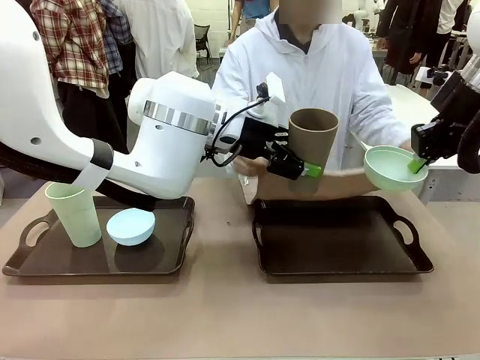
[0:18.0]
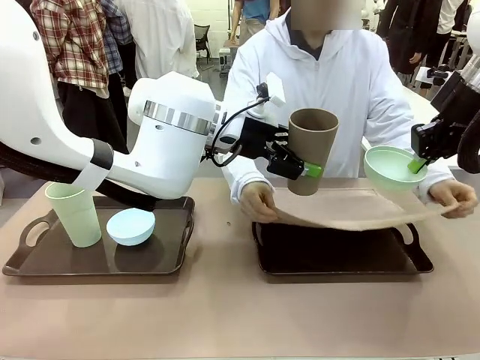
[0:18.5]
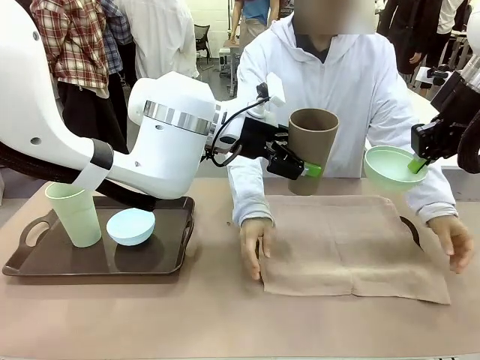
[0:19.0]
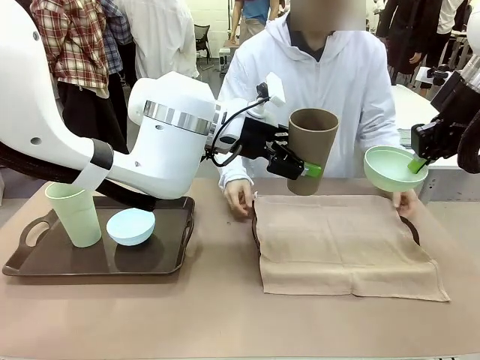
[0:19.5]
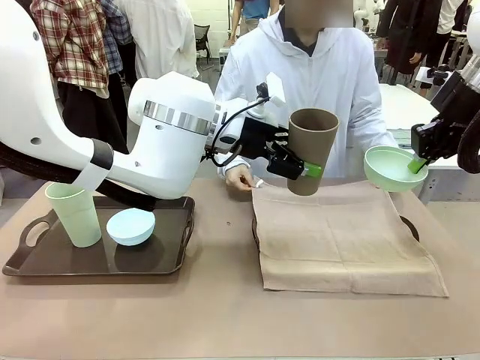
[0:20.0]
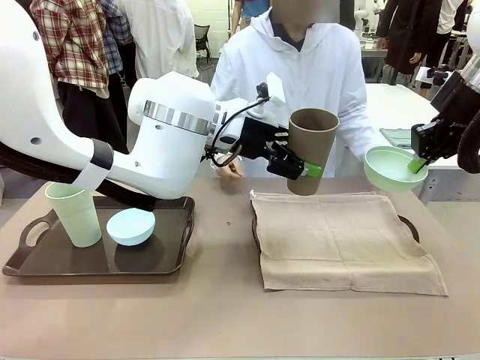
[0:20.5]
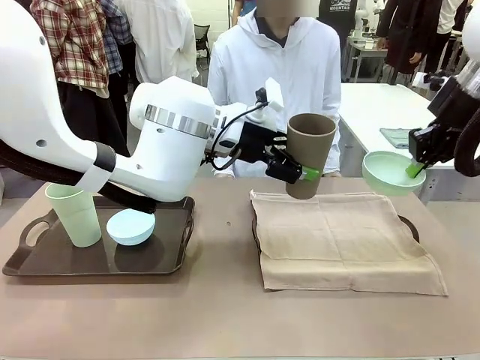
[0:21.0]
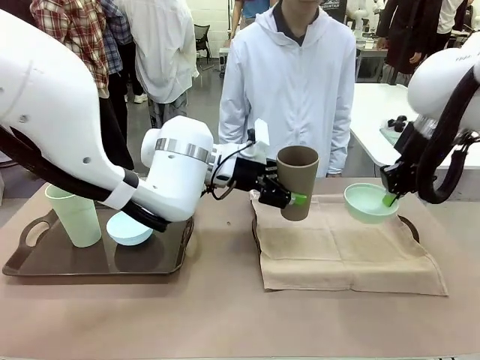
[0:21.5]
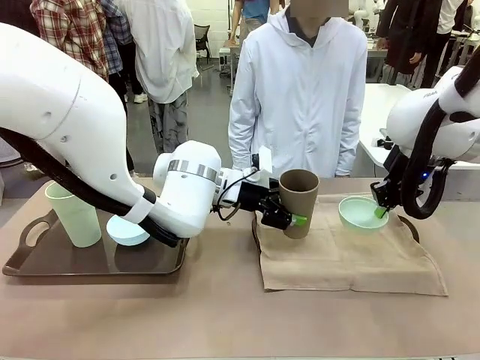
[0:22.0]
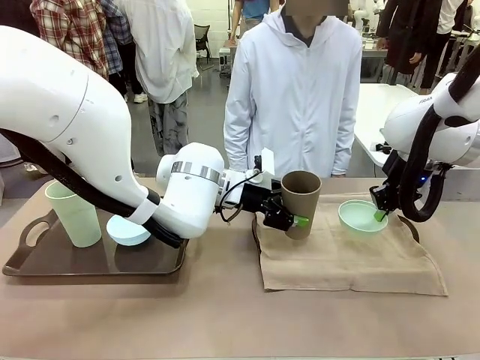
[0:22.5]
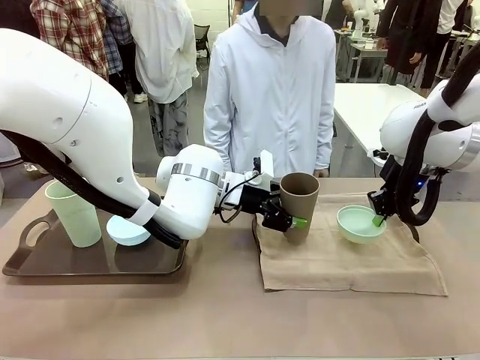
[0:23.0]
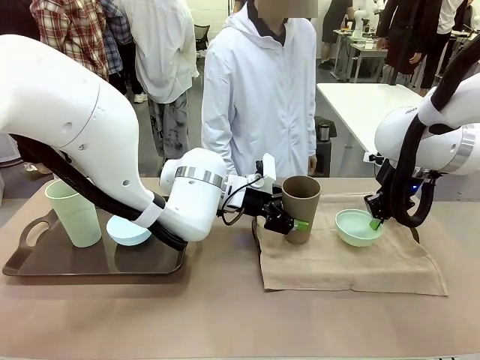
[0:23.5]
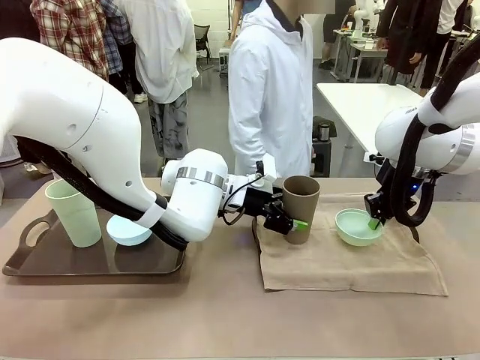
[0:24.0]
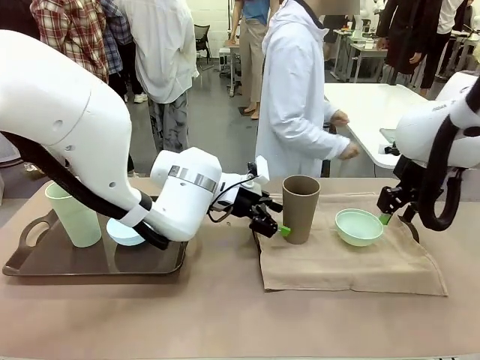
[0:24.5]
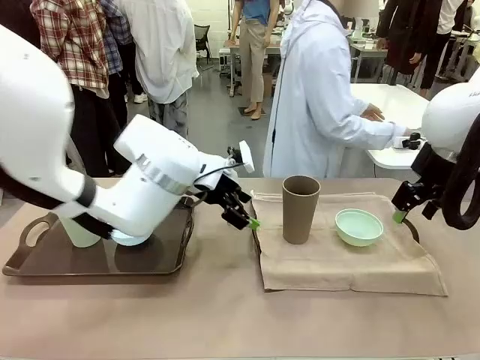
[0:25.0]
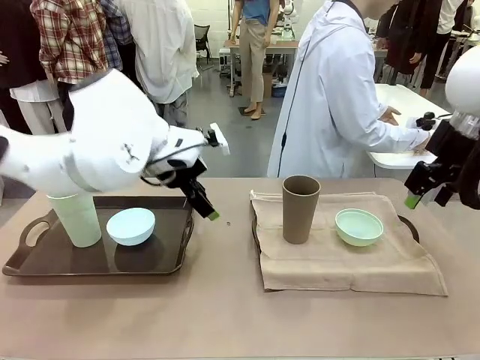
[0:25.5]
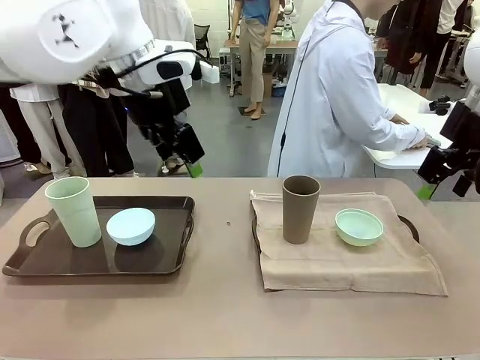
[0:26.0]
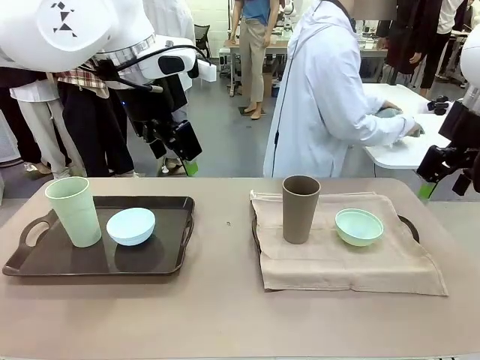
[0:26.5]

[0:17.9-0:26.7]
Robot: Place the Picnic Bowl and Reusable plastic cup back onto the Handle tray in front of the human's position.

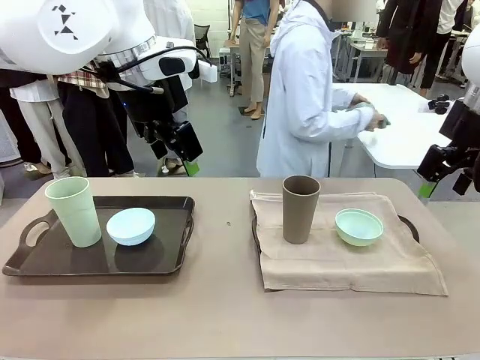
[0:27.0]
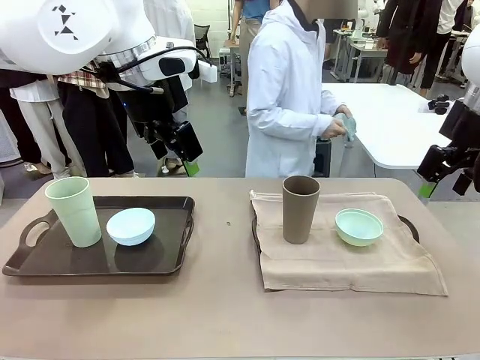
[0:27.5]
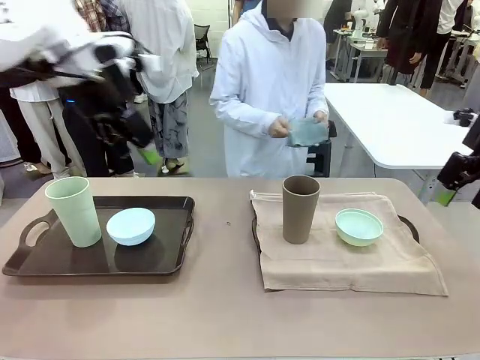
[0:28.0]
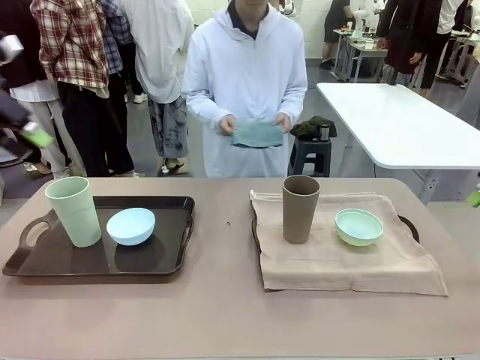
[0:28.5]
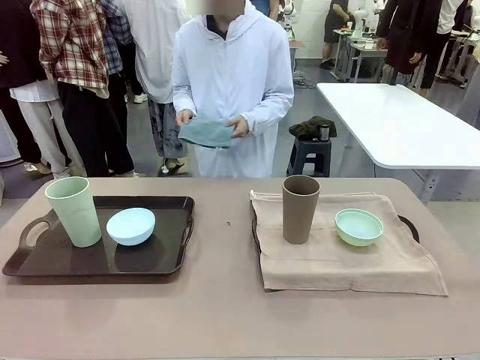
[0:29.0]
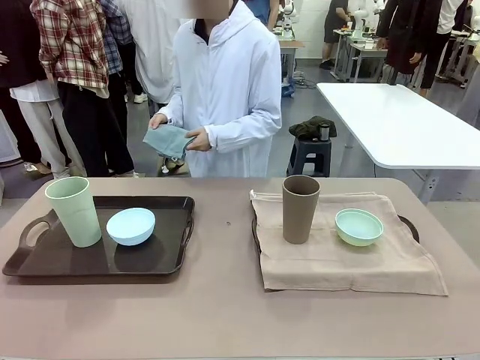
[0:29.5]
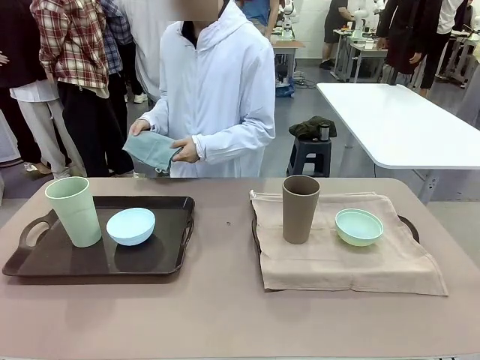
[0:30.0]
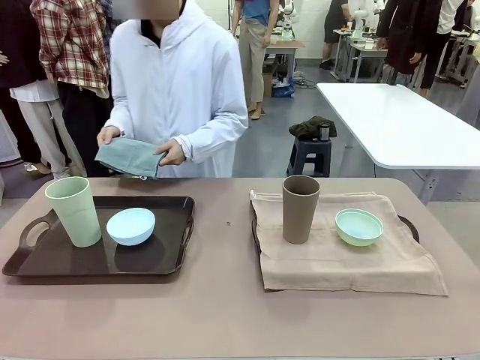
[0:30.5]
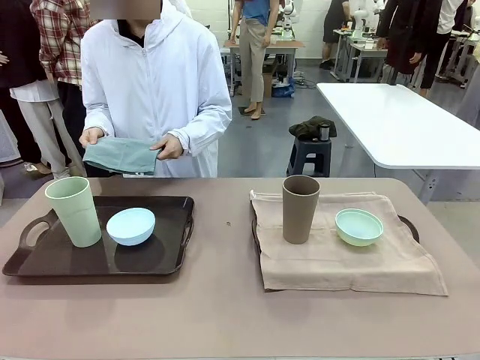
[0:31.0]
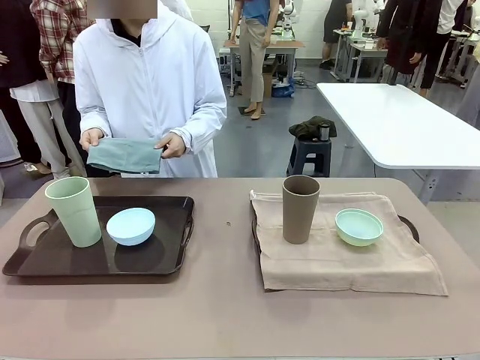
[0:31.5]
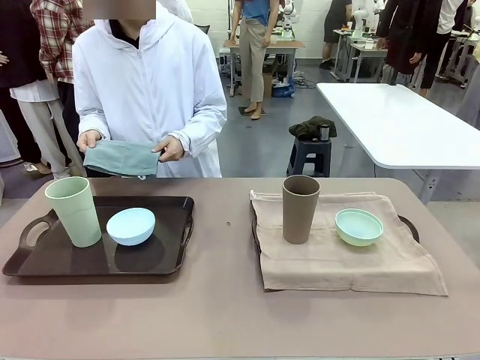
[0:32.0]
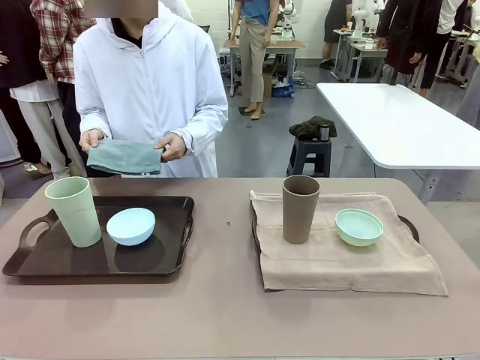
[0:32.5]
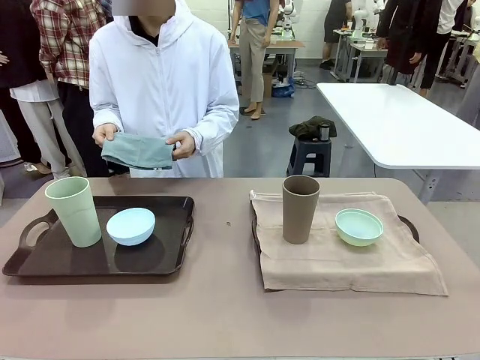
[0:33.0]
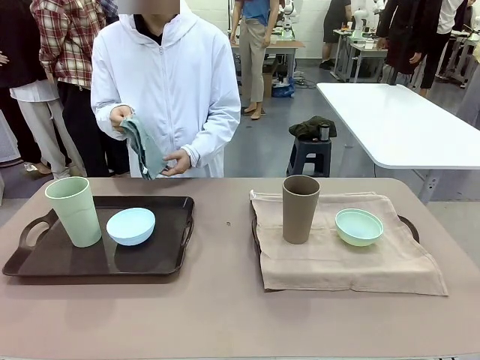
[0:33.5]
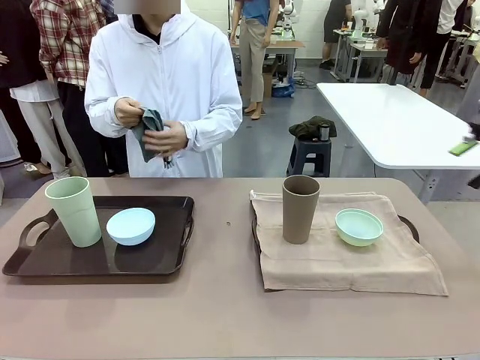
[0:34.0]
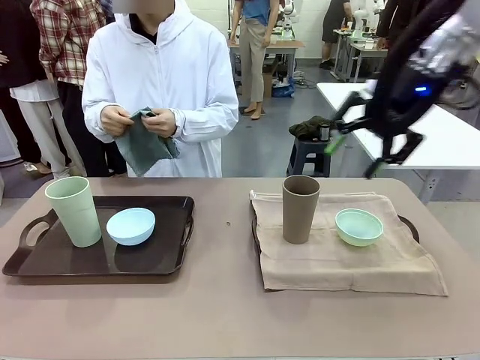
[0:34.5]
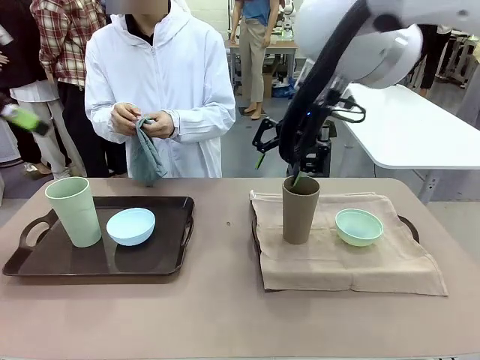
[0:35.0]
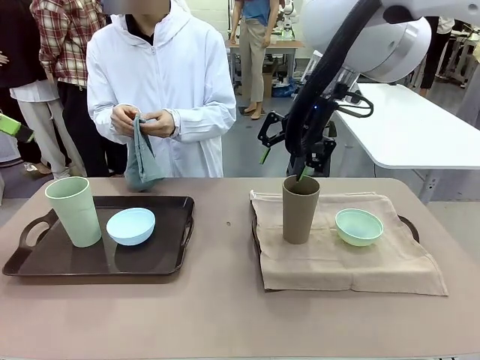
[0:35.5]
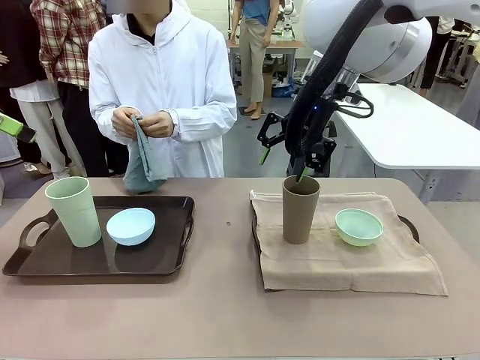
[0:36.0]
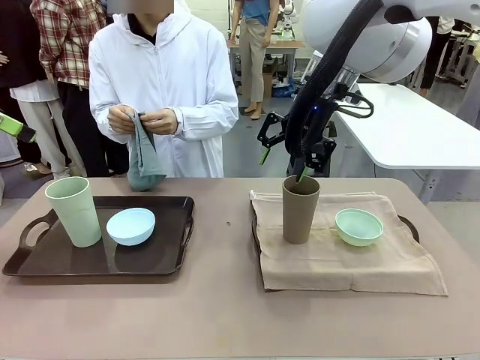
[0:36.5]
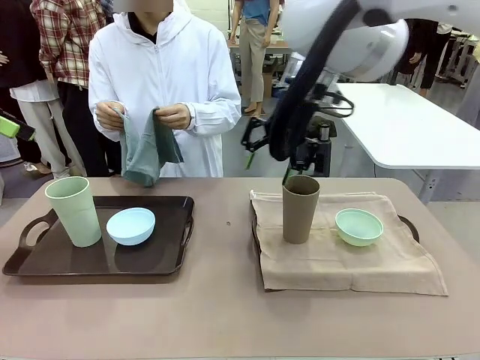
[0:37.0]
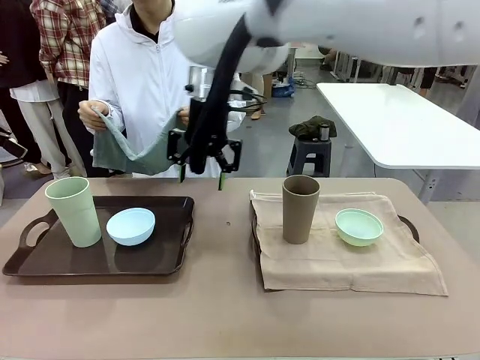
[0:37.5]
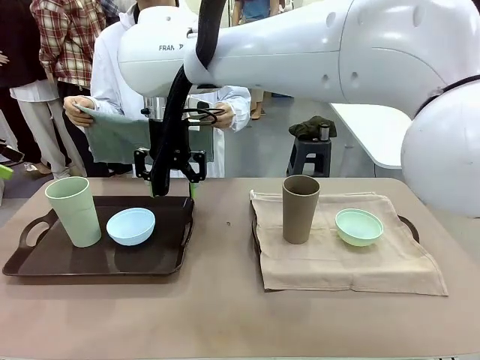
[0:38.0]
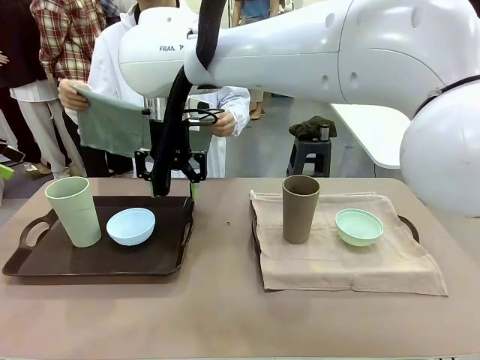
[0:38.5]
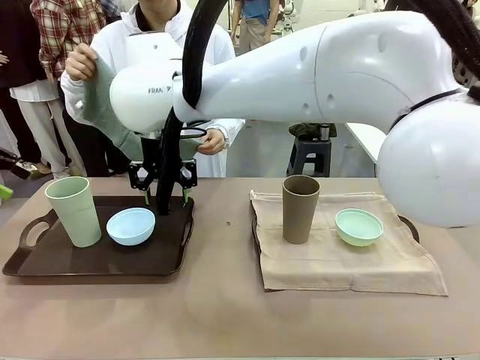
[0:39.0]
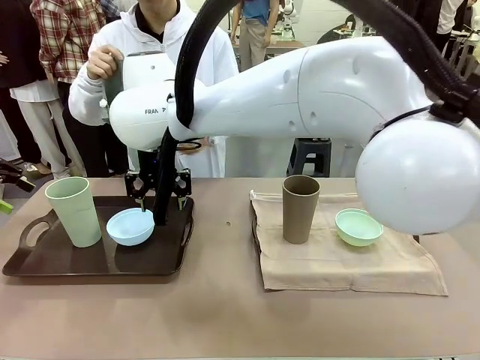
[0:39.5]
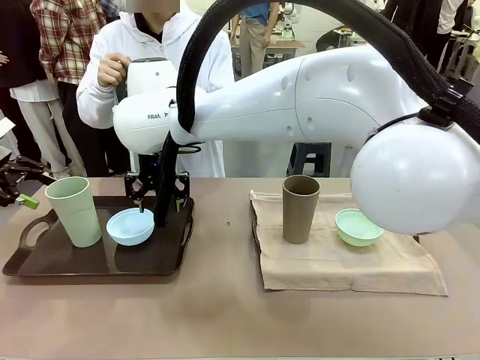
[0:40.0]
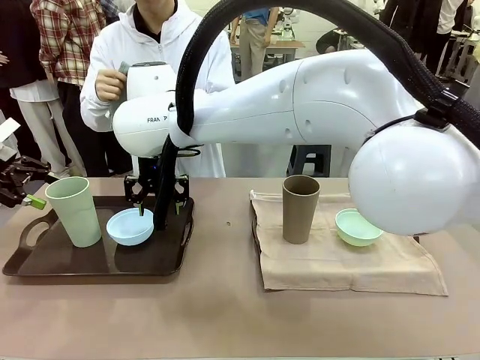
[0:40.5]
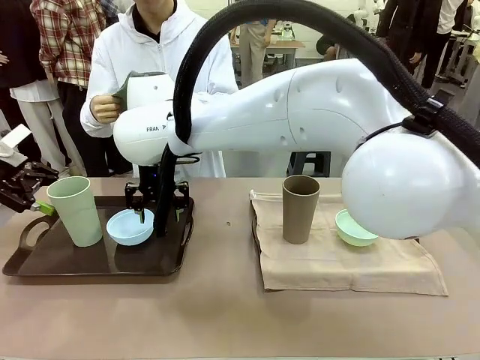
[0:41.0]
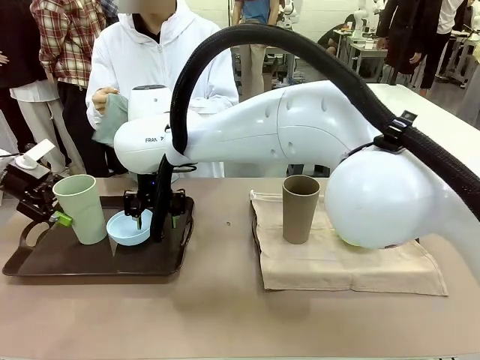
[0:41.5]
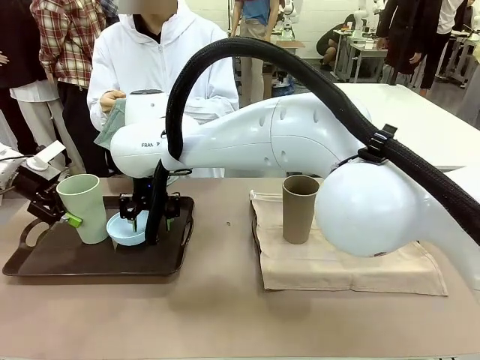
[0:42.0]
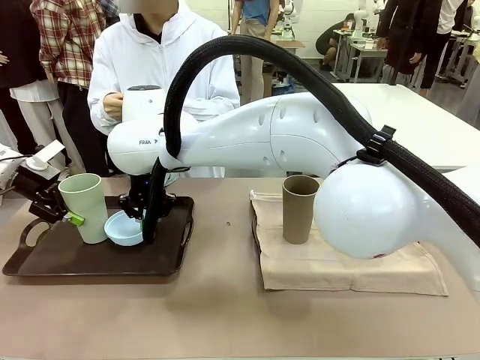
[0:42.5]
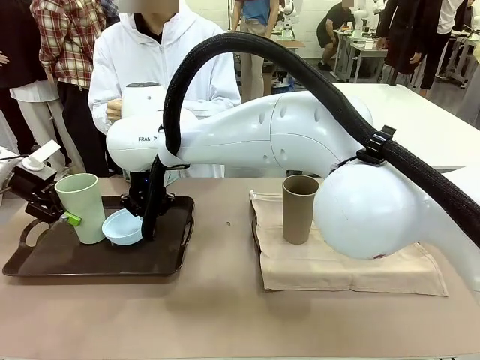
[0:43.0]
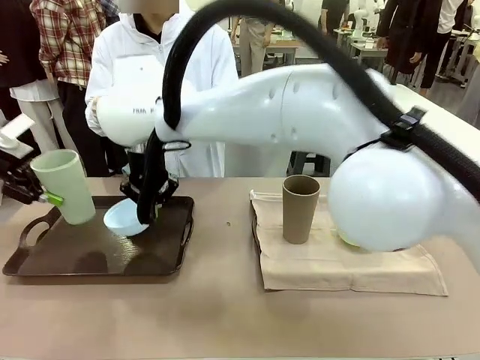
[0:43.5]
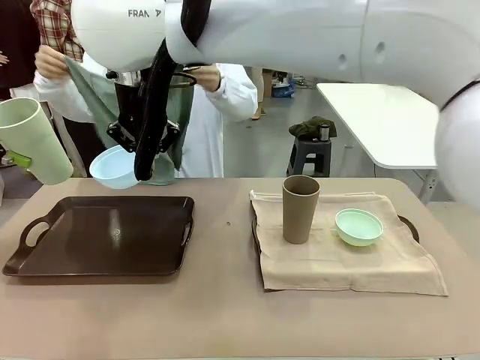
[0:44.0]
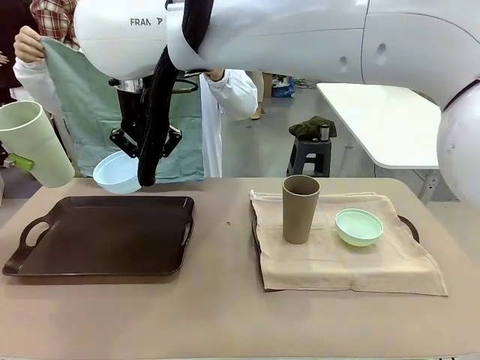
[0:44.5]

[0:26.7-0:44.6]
Robot: Pick up the Picnic Bowl and Reusable plastic cup from the Handle tray in front of the human's position and hold them in the air.
Person: The human returns to the human table to pick up another napkin and walks to the robot table to stand in front of the tray without a napkin.
